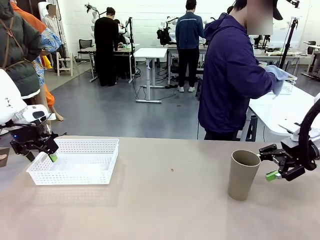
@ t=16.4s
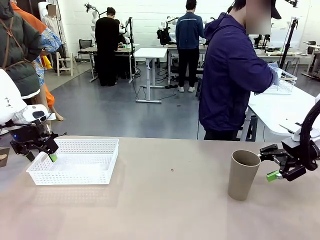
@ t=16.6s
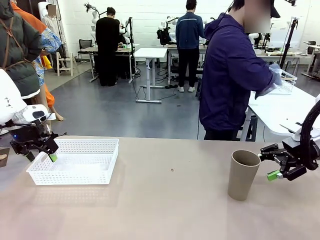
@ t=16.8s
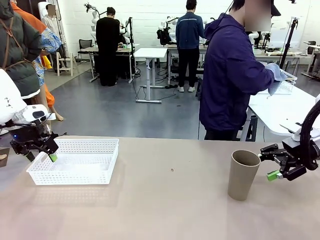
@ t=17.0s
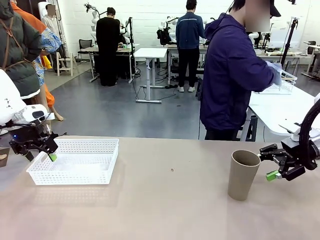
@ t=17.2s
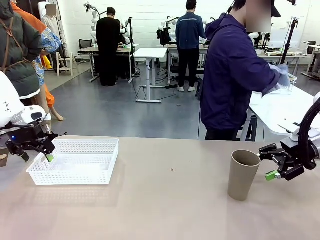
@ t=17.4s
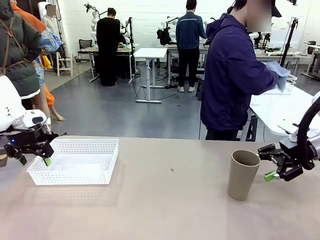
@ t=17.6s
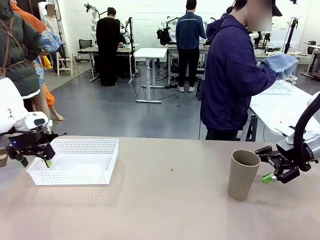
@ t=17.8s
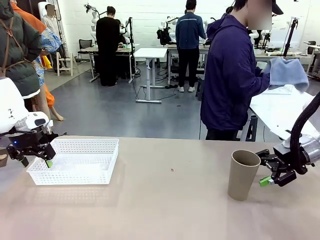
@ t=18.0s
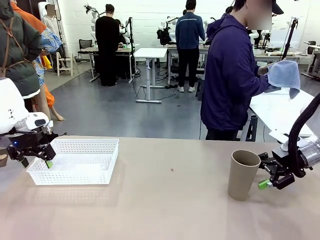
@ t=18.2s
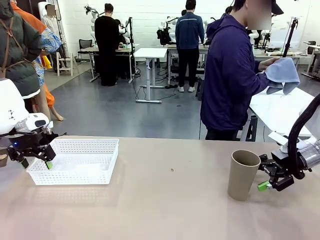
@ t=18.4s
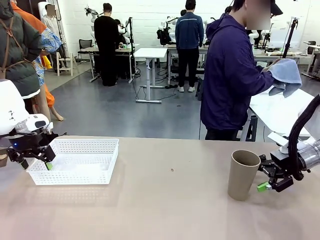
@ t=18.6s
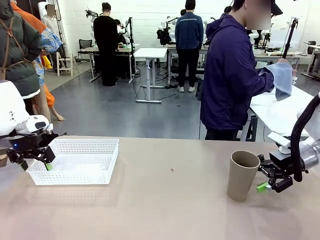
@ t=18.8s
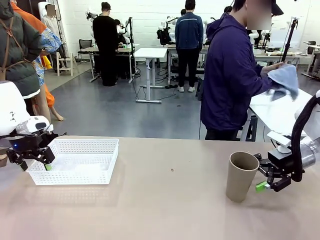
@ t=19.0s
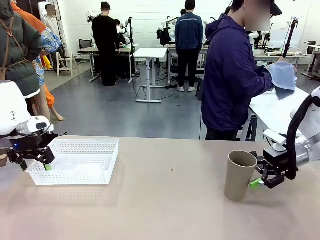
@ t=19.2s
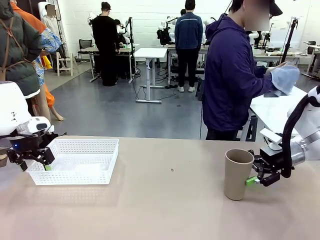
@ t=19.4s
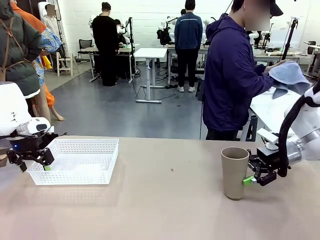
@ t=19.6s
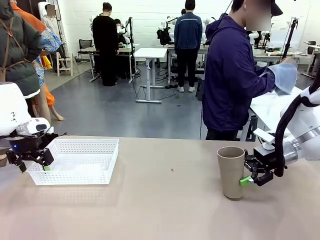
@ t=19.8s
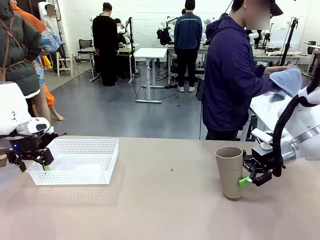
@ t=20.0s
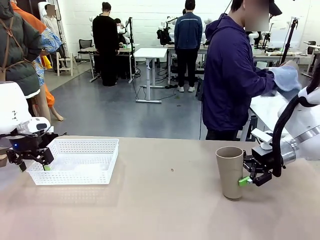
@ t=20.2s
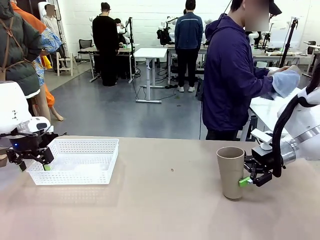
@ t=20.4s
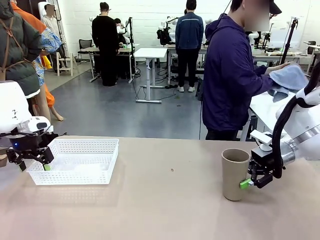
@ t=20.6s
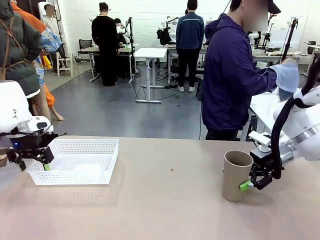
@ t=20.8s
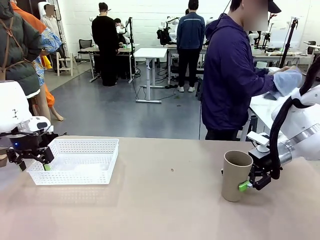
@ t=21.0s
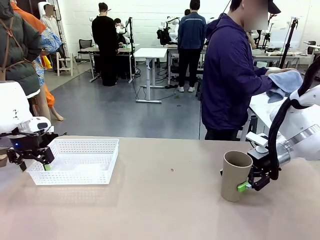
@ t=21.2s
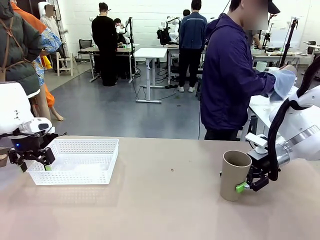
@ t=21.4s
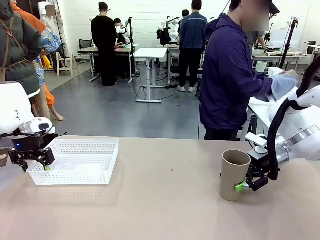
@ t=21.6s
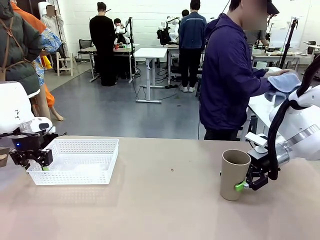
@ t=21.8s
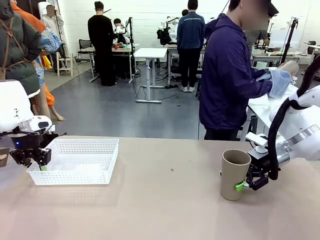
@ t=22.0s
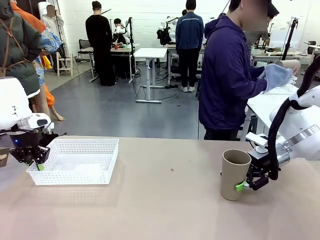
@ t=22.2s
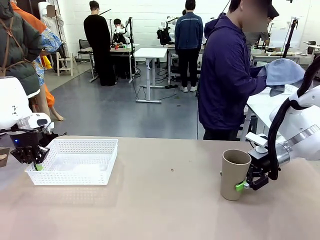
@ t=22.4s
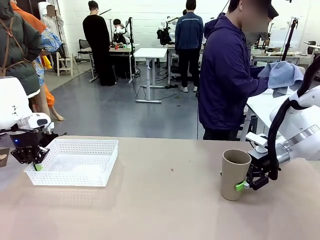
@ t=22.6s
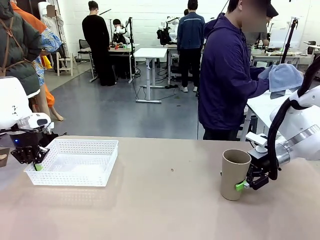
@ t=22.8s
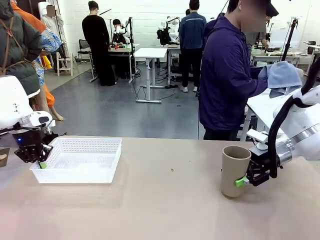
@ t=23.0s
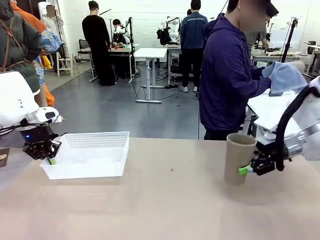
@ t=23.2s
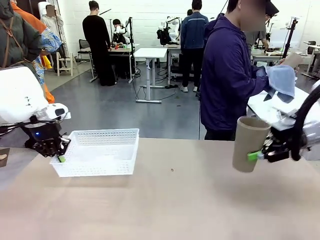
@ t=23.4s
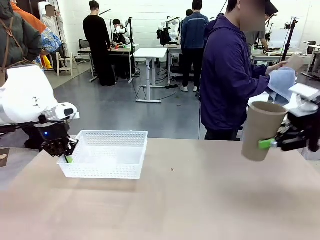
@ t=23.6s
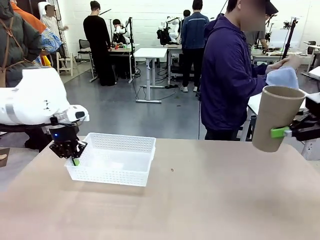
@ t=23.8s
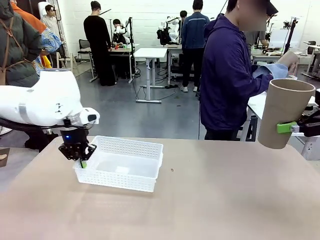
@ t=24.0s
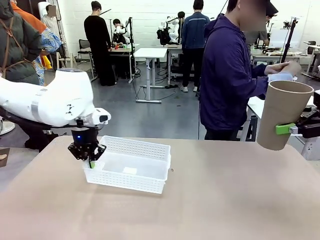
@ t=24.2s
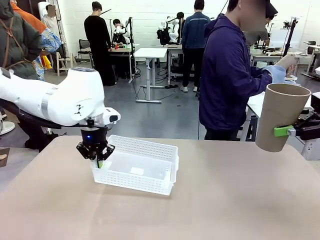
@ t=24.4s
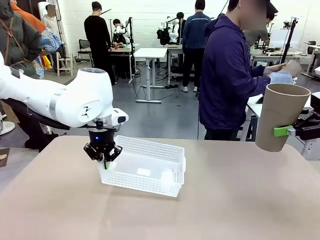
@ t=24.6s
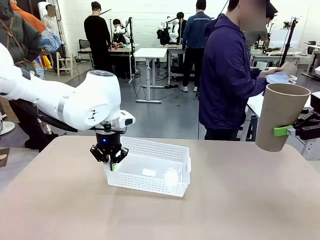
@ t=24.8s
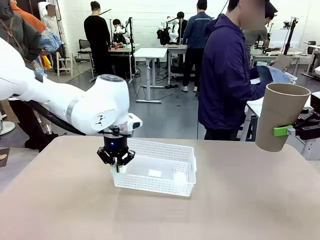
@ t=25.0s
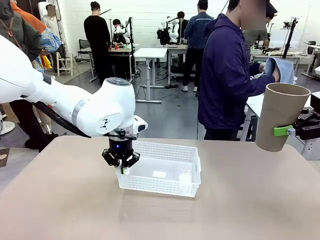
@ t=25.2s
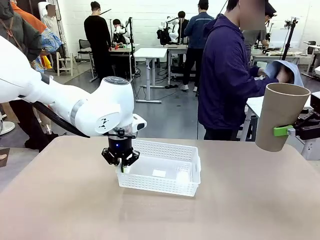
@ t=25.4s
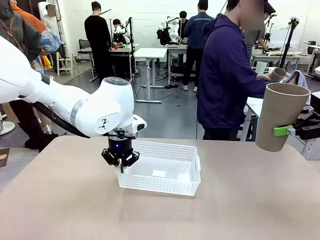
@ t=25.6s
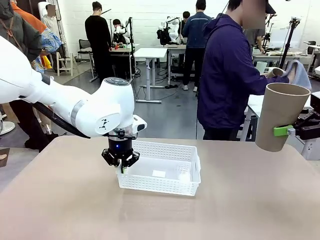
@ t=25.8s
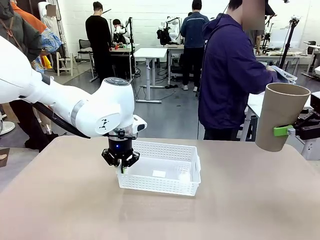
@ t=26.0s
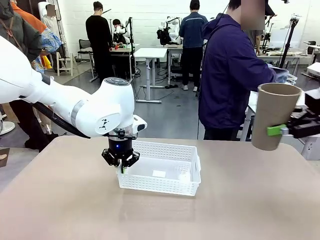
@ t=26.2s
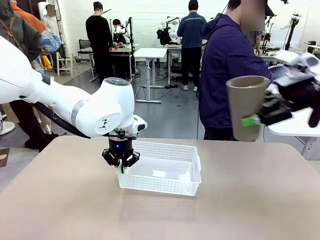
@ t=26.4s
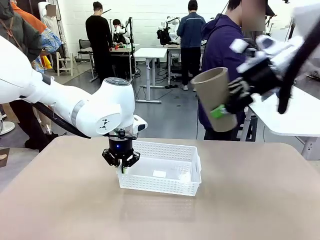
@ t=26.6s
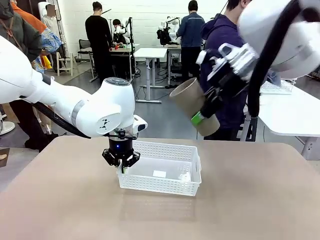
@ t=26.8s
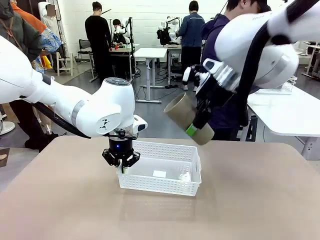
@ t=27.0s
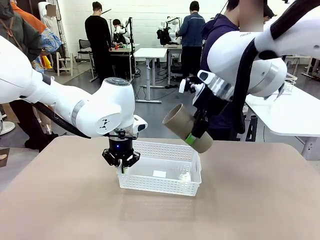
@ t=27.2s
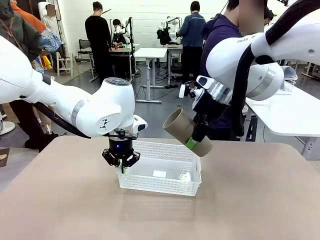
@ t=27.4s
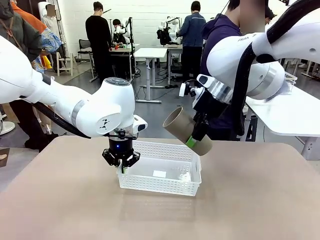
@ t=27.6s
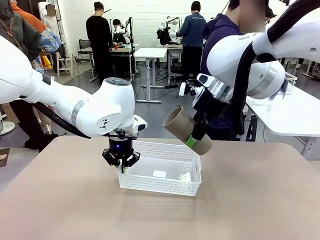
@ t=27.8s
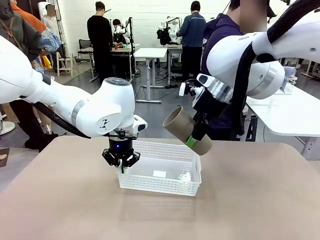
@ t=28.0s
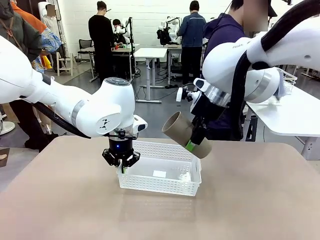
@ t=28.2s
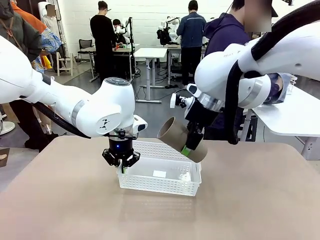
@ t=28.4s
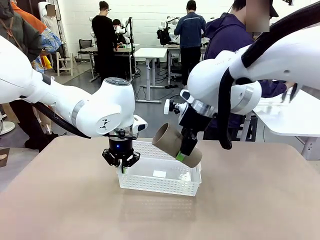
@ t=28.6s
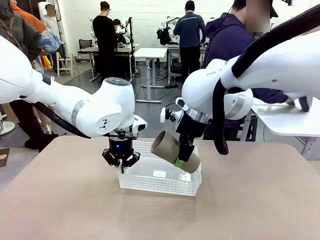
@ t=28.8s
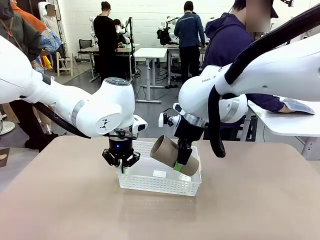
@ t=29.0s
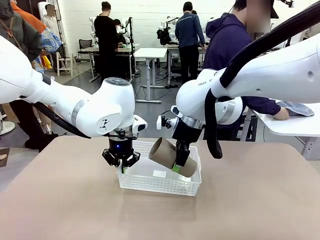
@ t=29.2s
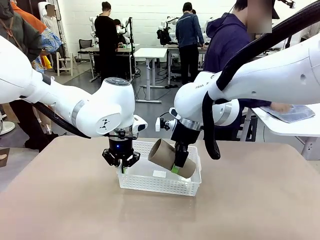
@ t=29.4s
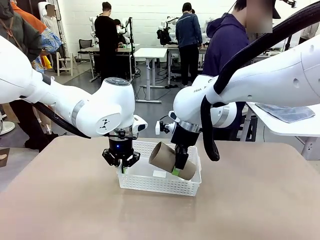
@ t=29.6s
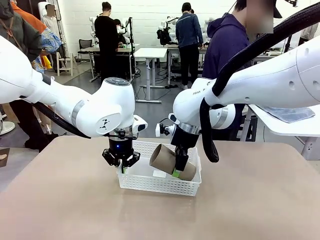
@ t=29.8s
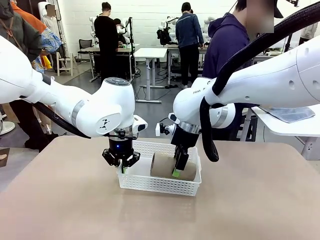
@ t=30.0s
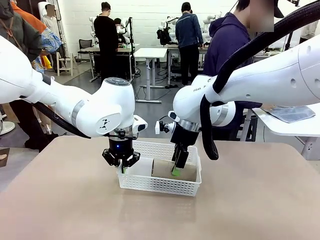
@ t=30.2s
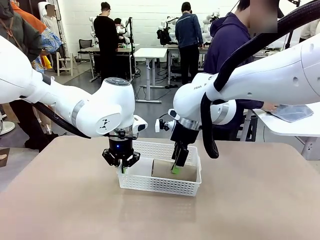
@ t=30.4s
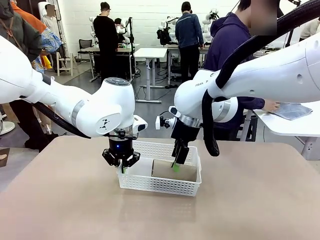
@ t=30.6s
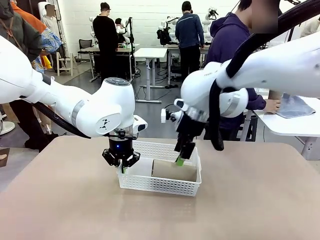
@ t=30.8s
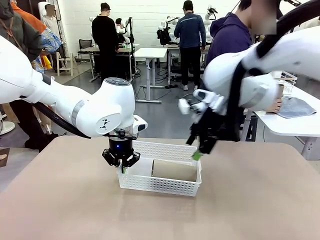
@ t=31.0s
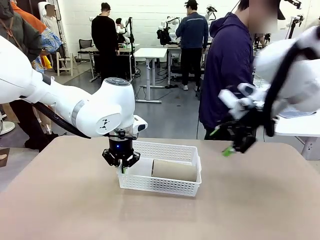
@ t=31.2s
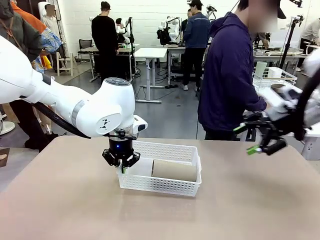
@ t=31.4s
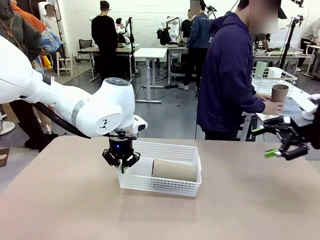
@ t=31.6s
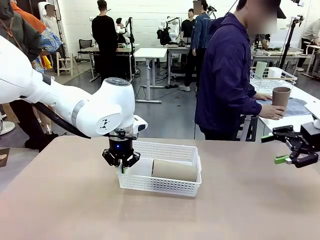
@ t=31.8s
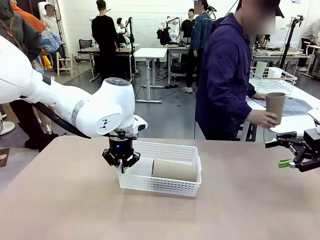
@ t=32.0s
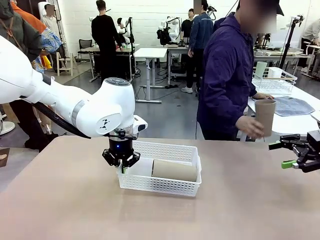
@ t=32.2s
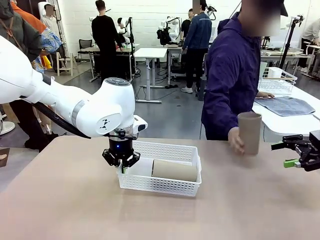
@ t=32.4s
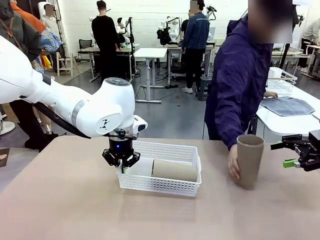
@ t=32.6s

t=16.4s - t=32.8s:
Task: Clean and organize the cups into the basket.
Robot: Pick up the Organizing basket and move it to the center of the table, then pick up the Reusable plastic cup from the right side of the table and place it inside the Organizing basket.
